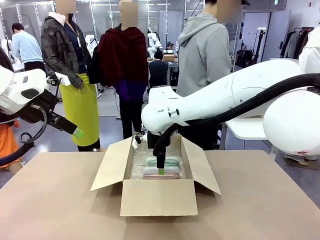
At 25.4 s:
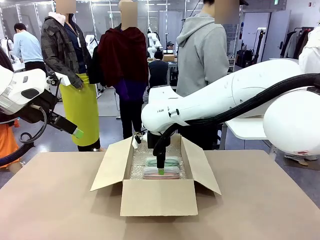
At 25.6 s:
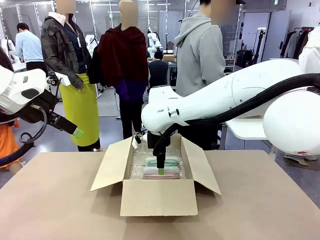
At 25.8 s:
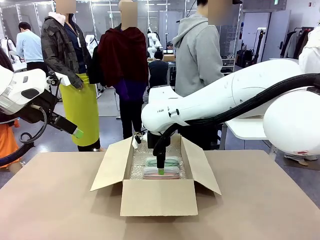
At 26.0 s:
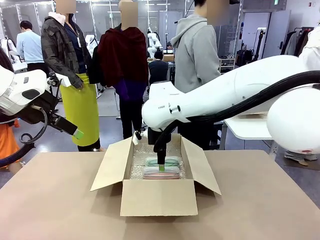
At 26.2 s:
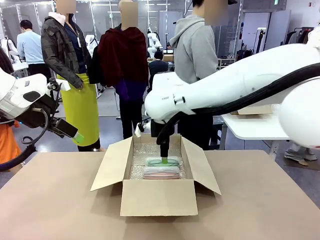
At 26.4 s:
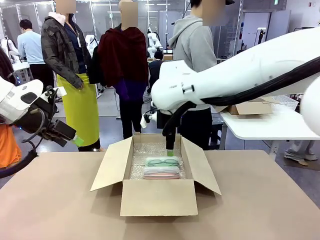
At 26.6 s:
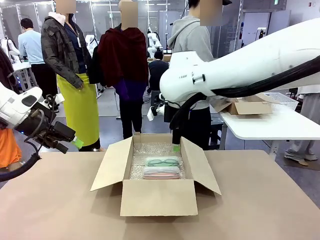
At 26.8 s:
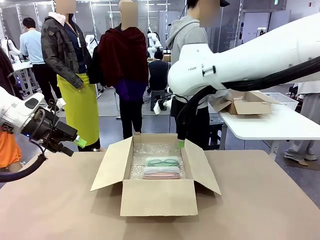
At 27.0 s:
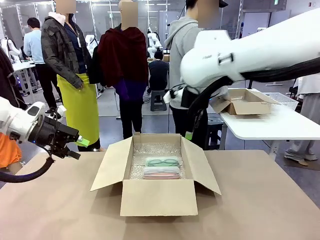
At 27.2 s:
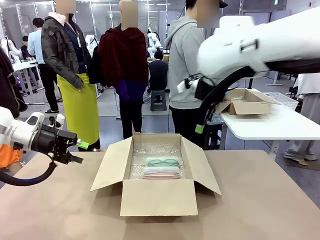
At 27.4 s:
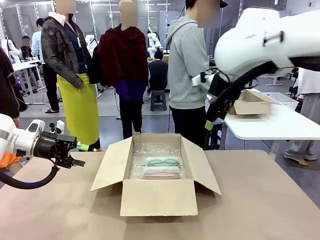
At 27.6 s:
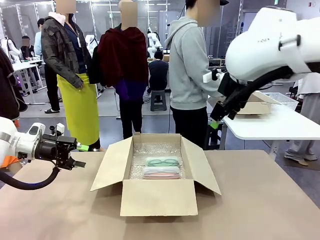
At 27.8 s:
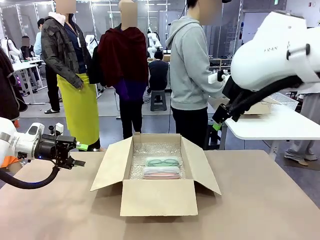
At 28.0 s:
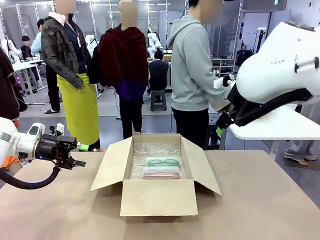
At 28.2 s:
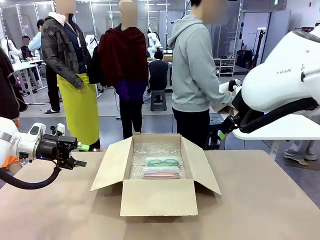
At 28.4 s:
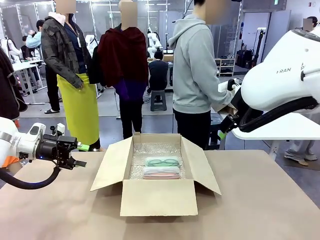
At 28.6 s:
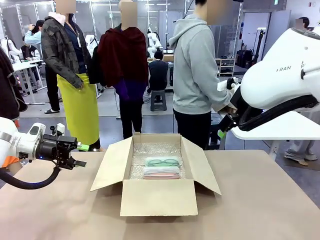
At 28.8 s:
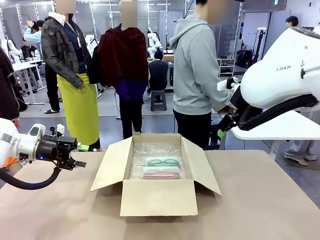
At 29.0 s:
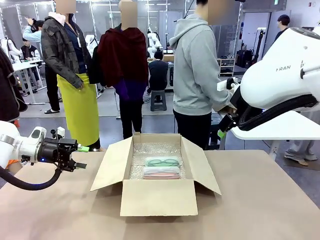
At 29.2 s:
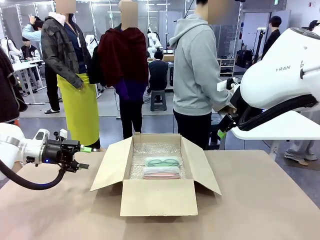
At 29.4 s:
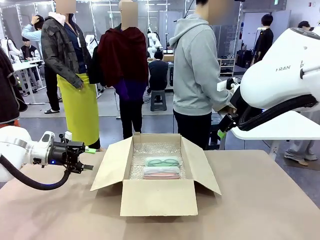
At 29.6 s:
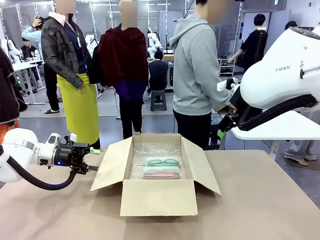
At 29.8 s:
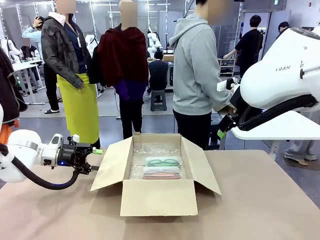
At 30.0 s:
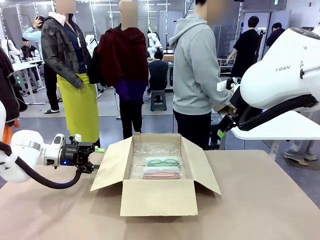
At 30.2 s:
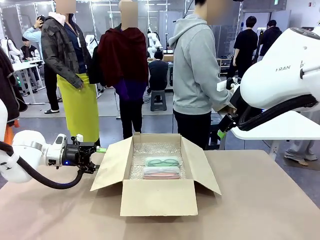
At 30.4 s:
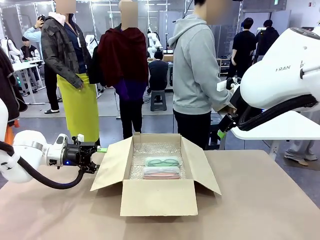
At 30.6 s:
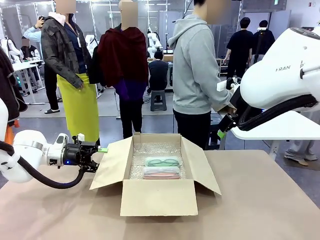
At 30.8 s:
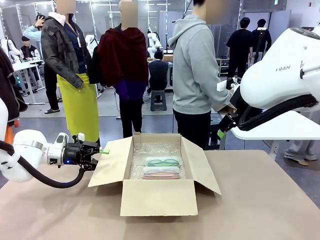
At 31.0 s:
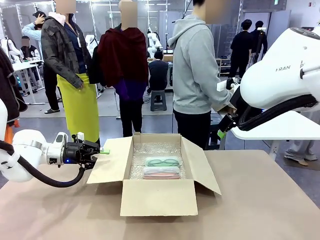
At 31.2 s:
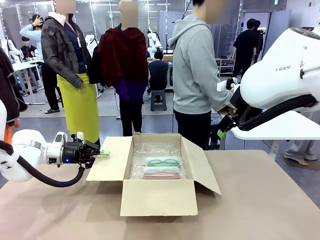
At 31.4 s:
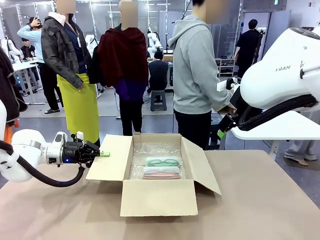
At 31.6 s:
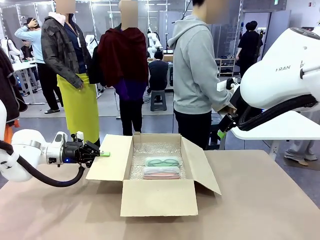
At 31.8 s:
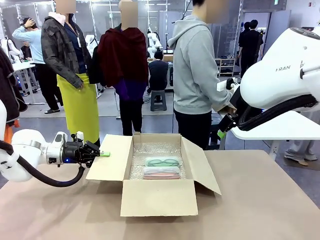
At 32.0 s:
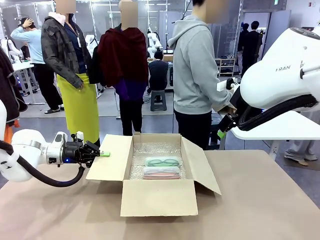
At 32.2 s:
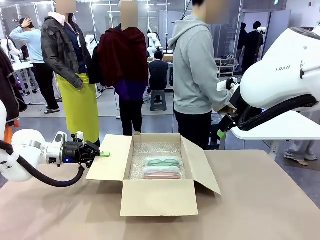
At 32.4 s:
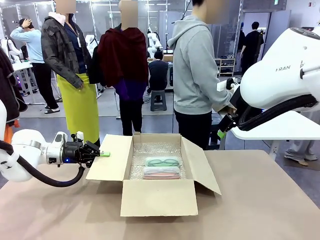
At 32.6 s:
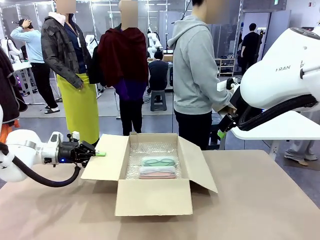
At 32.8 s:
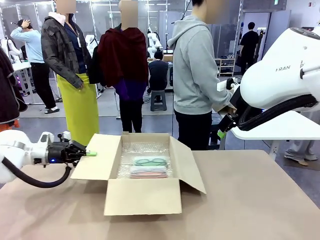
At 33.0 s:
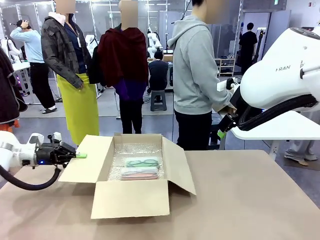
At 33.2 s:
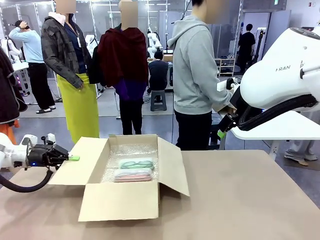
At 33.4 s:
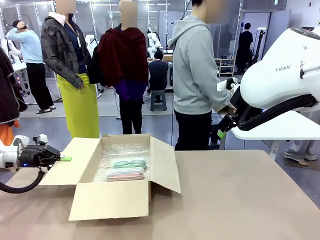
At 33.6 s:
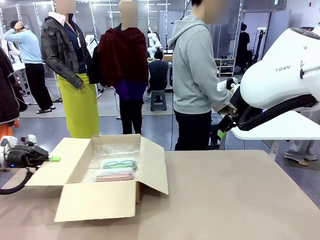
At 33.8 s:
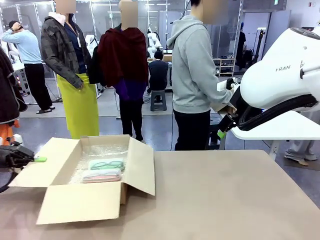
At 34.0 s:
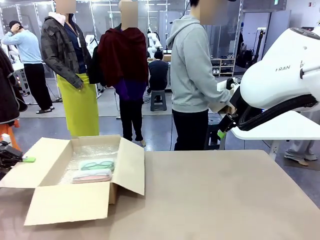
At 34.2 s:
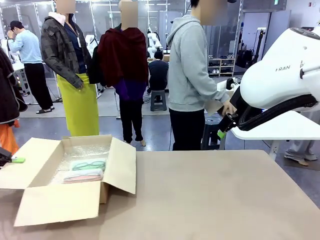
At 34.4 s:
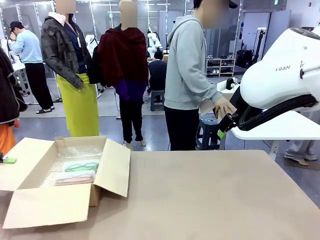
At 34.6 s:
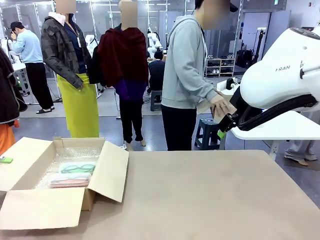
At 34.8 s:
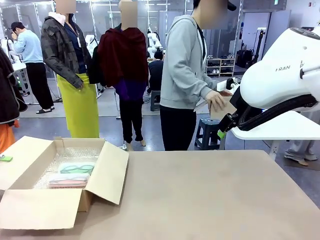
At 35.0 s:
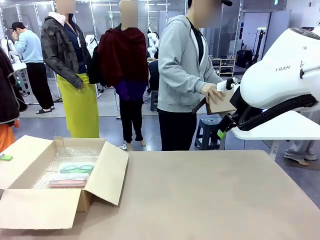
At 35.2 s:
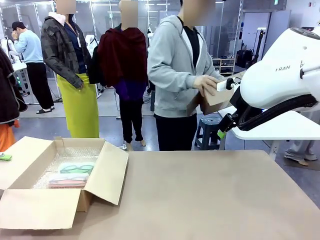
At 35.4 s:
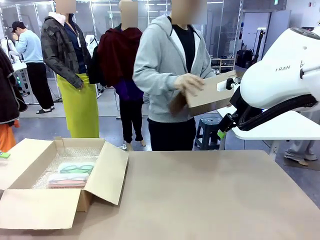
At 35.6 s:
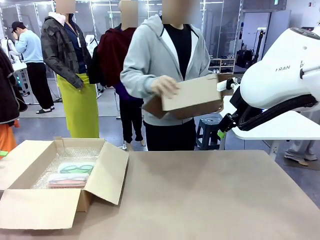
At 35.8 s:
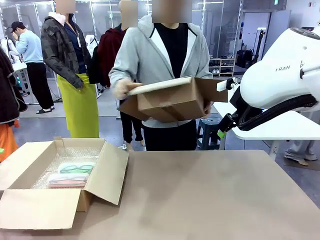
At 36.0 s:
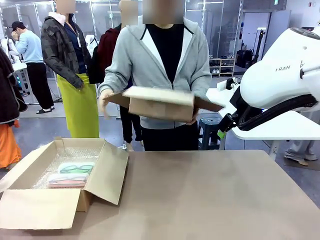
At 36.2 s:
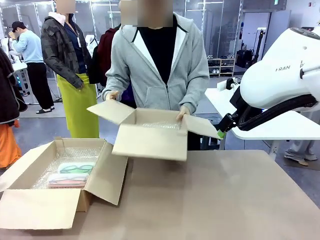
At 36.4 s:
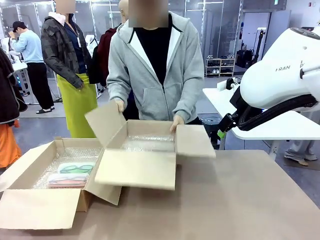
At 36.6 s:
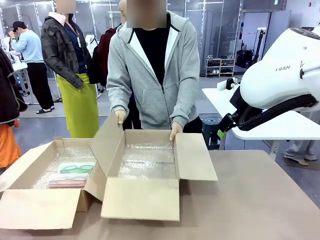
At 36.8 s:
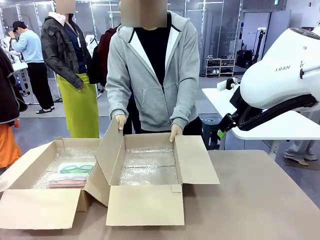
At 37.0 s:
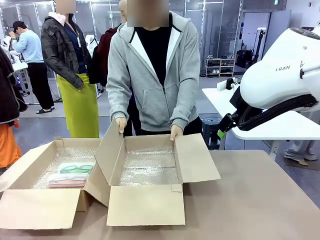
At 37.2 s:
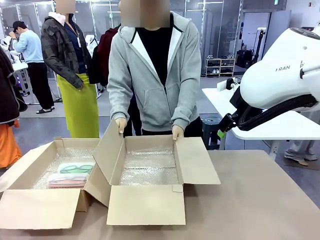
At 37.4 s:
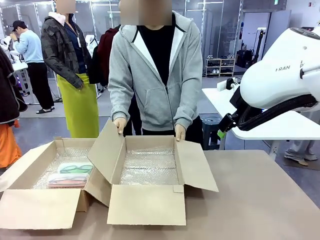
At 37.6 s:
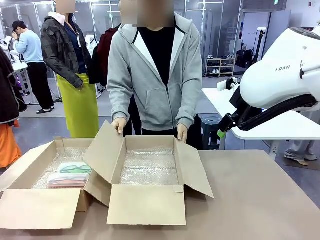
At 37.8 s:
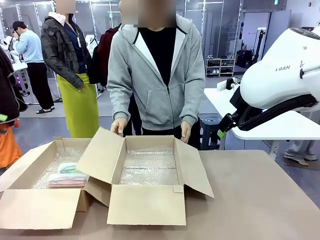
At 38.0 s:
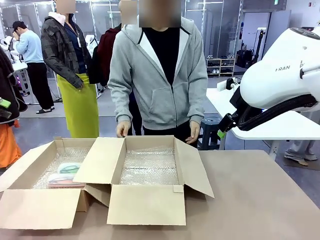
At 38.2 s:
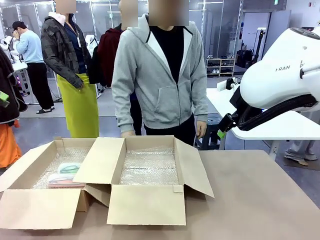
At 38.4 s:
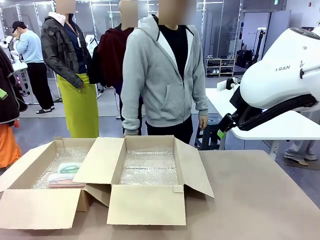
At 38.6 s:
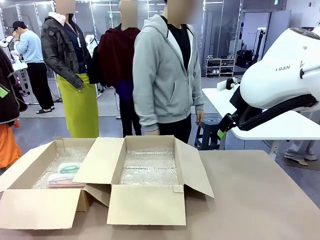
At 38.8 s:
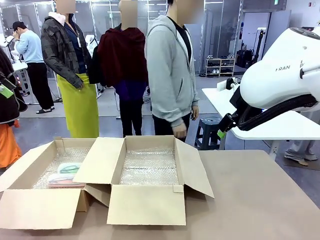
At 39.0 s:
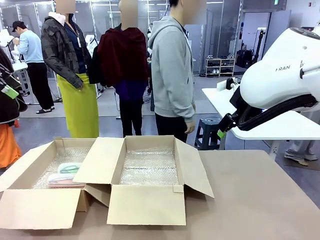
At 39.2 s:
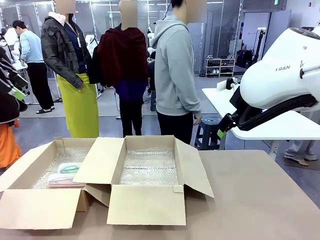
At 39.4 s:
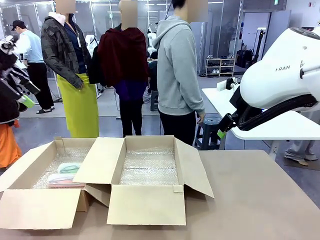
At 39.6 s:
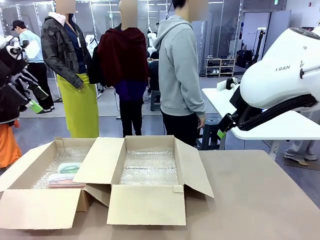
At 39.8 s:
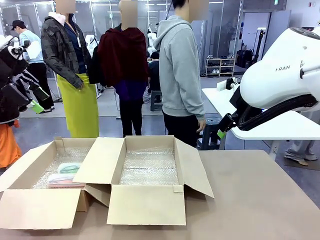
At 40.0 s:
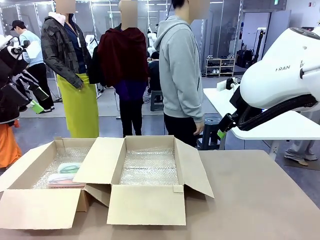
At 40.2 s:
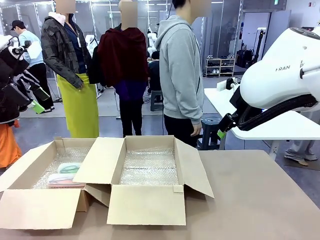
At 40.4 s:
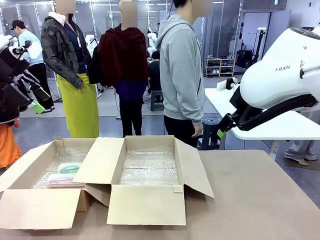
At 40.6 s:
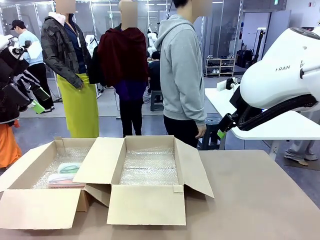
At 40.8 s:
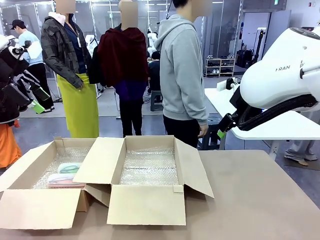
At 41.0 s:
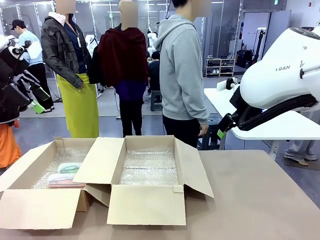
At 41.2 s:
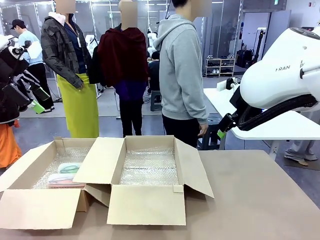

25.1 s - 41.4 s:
Task: Pack the glasses set securely to prepare it for shipping.
Robot: Position the Package Box on the left side of the table.
Person: Position the empty Package Box in the middle of the robot's table.

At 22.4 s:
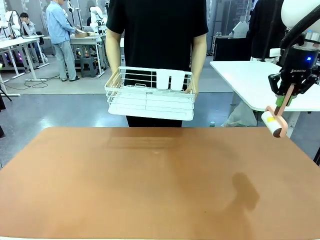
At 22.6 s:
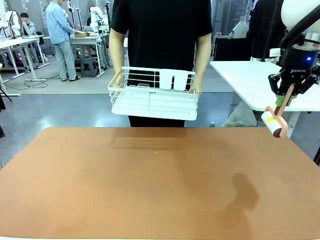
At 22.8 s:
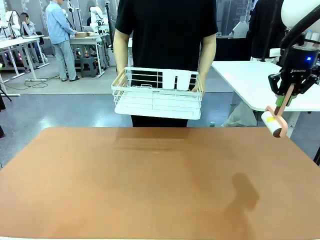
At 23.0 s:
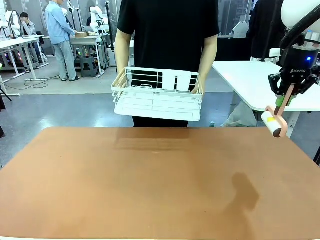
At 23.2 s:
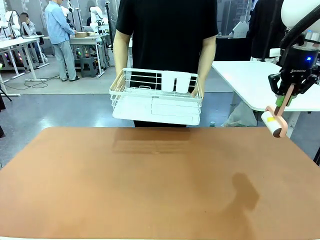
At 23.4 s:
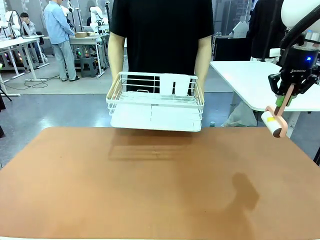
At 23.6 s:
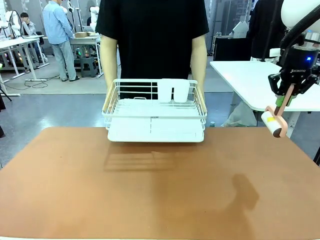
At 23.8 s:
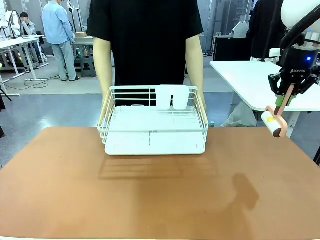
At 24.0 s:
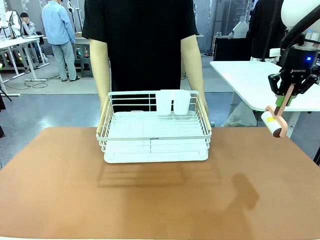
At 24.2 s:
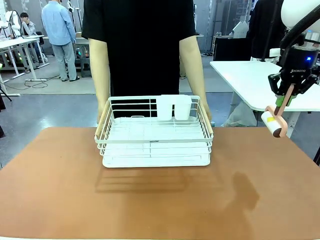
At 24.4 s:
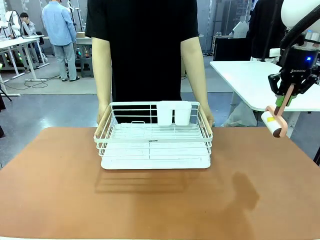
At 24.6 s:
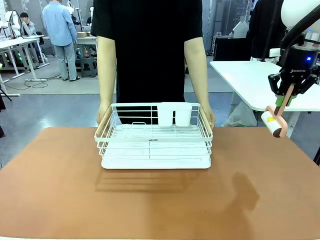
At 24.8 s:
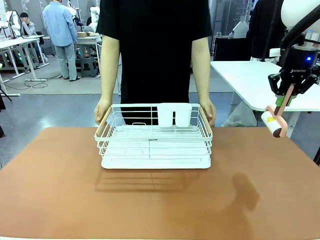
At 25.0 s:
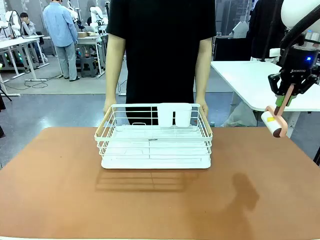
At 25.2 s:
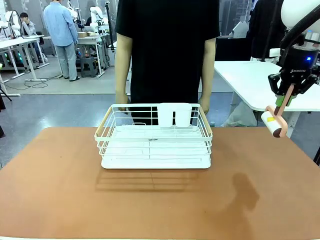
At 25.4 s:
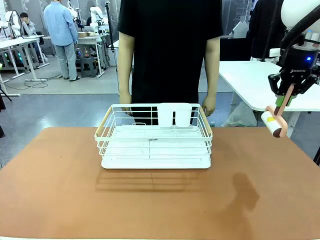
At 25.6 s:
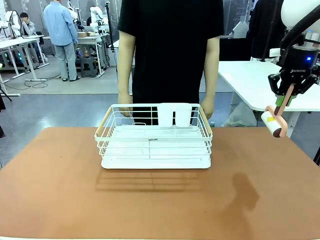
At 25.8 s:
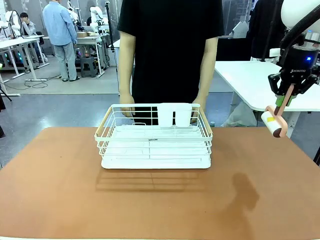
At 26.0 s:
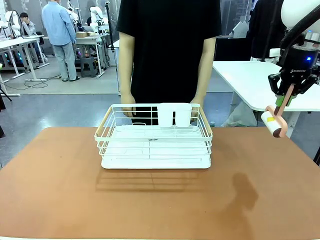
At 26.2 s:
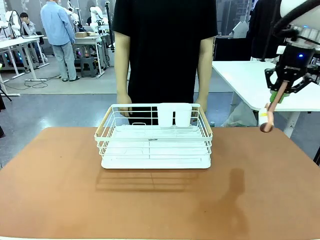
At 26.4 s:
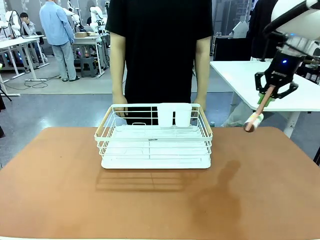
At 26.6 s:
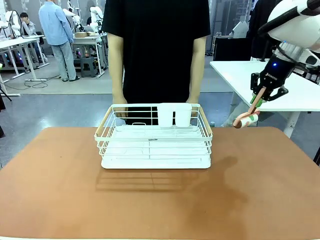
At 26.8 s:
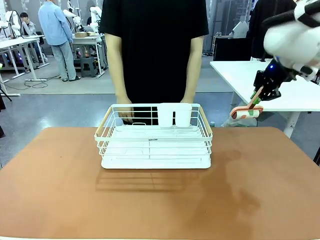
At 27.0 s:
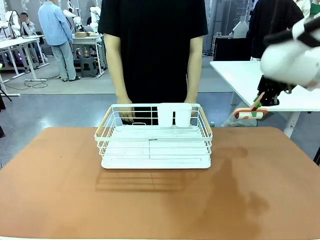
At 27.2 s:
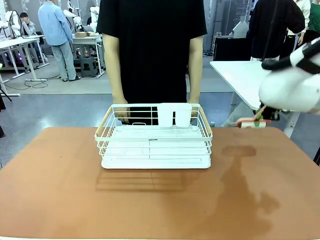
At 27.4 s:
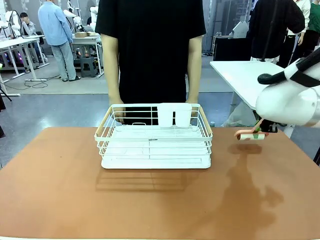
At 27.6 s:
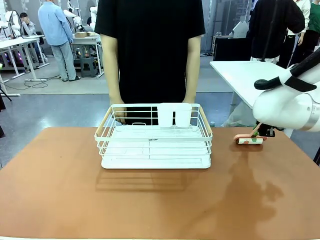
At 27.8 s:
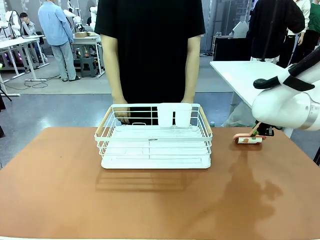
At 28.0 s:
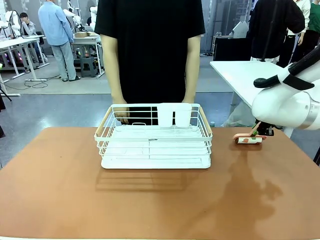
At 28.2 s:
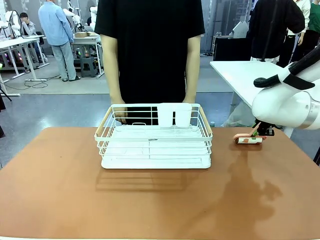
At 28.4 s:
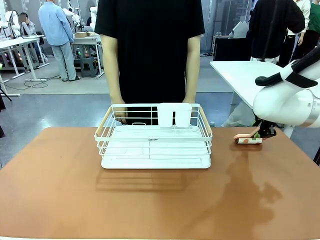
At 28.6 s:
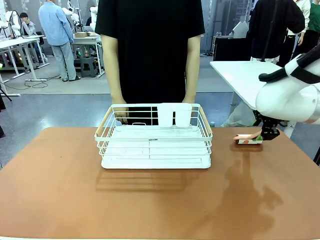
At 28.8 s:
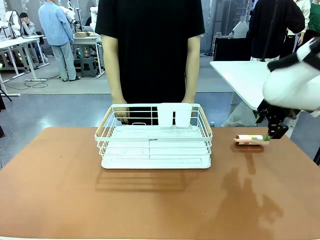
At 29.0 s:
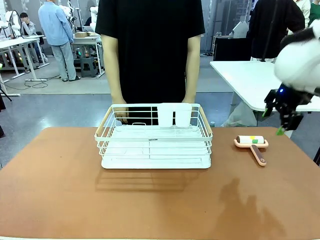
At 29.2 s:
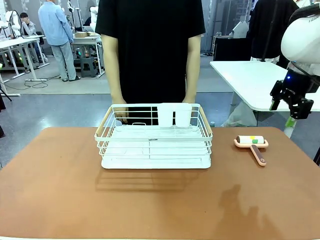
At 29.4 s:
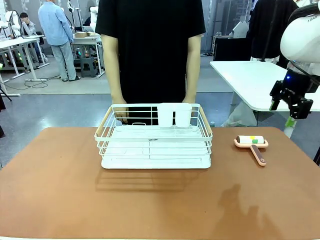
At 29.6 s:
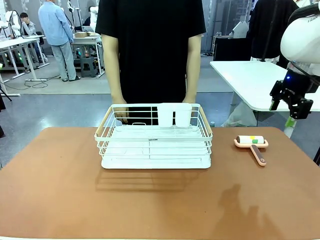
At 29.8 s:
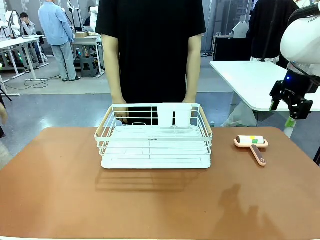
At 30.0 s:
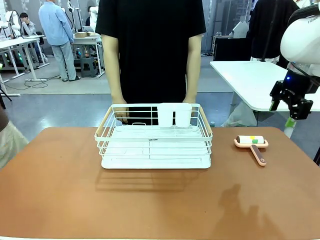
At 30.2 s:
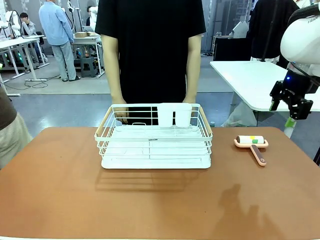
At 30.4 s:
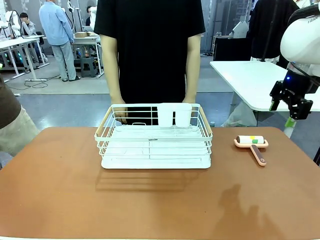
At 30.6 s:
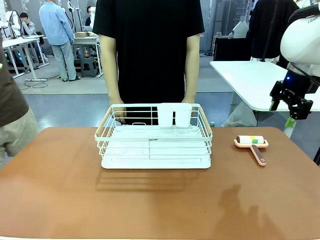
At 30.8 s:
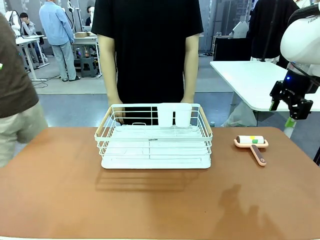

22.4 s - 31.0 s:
Task: Clean the table.
Robot: Place the Lint Roller down when the Dish drying rack is positioned in the middle of the table.
Person: Place the Dish drying rack down when the robot finishes cleaning.
